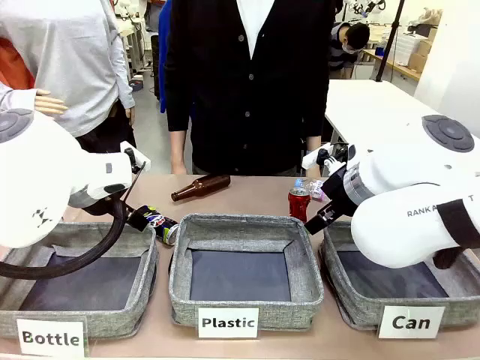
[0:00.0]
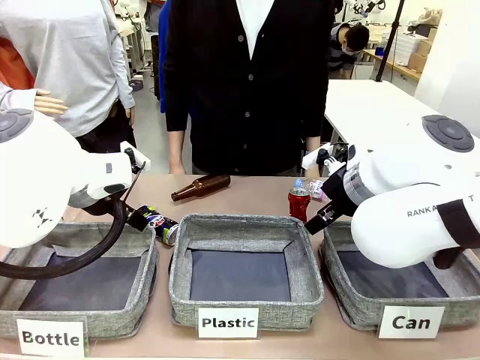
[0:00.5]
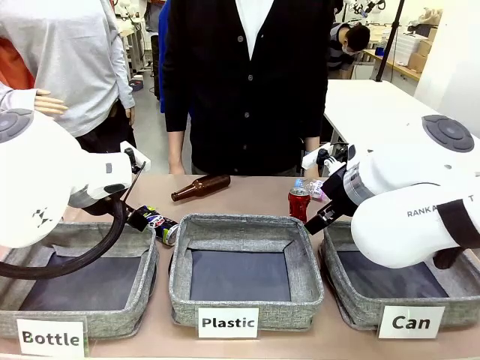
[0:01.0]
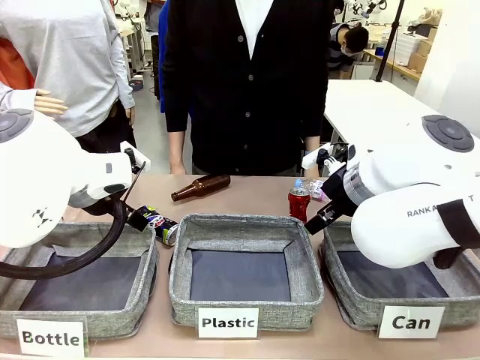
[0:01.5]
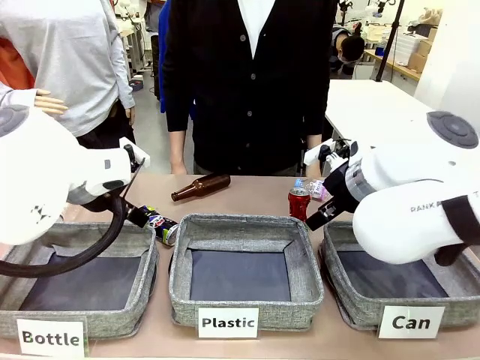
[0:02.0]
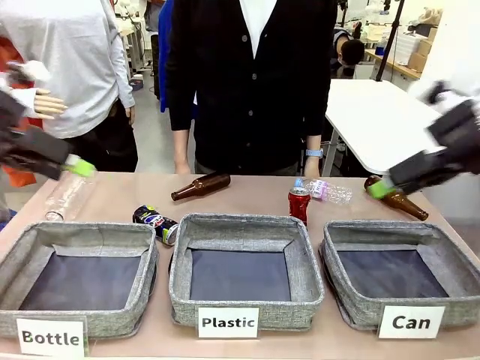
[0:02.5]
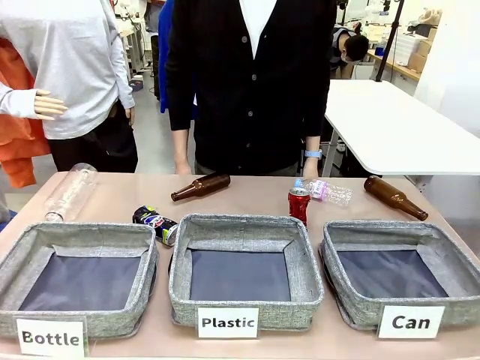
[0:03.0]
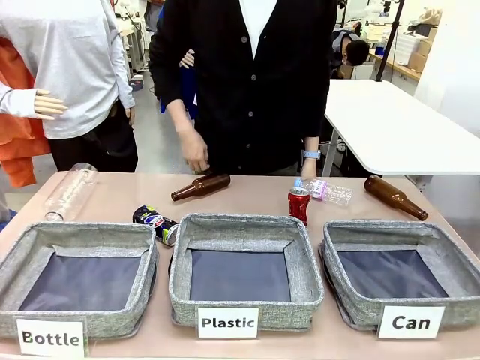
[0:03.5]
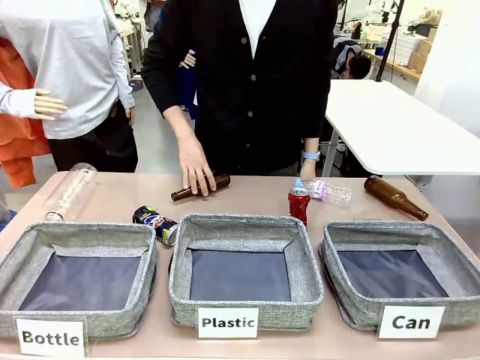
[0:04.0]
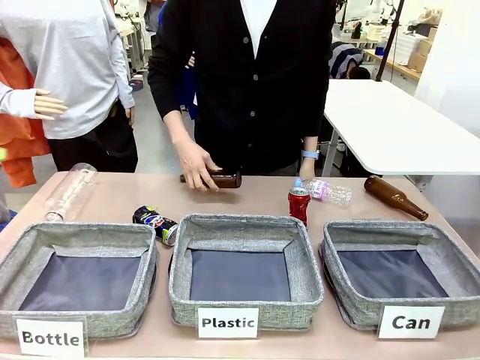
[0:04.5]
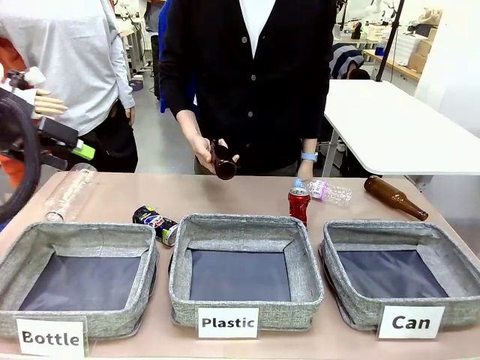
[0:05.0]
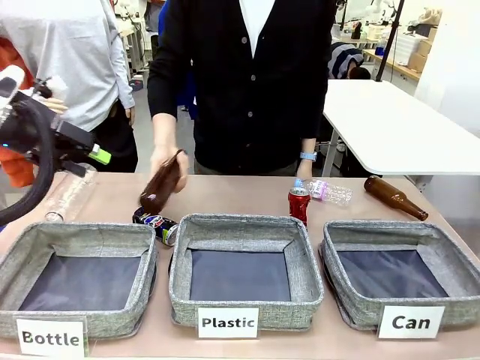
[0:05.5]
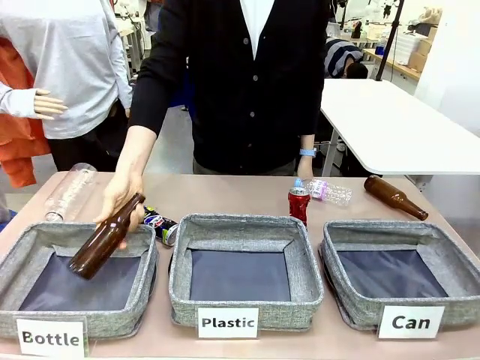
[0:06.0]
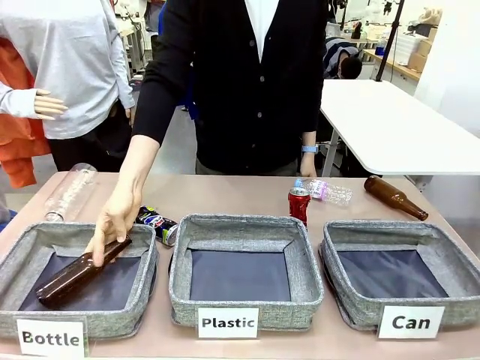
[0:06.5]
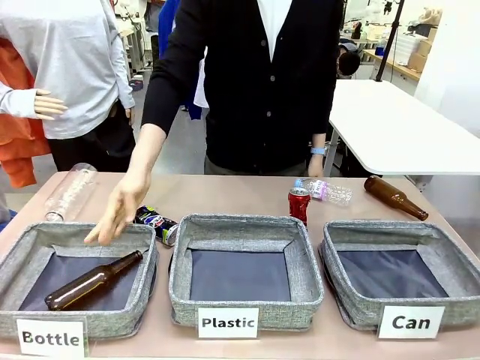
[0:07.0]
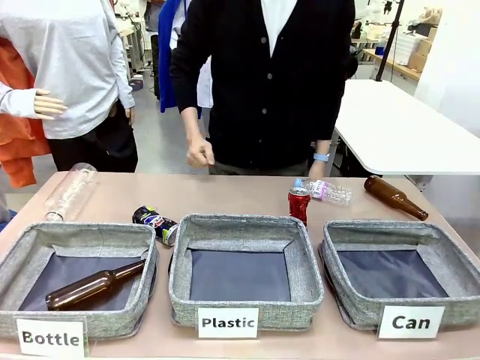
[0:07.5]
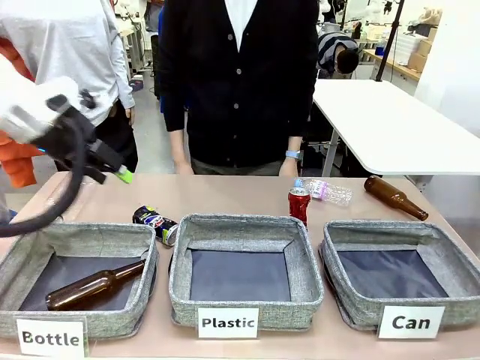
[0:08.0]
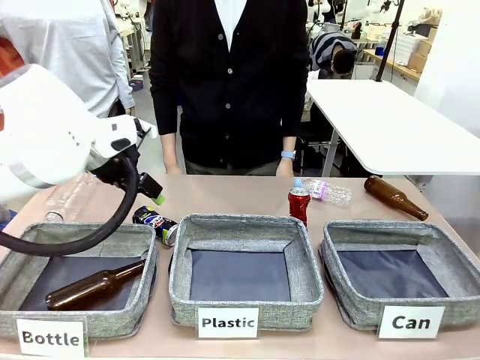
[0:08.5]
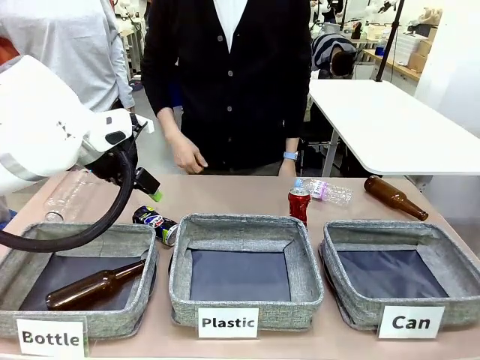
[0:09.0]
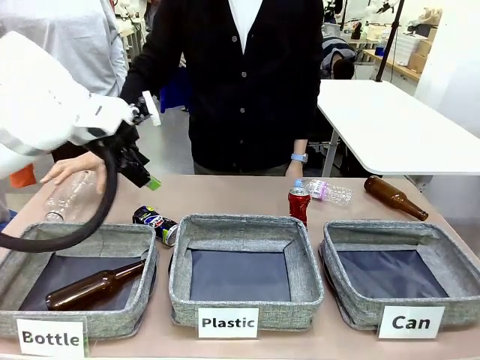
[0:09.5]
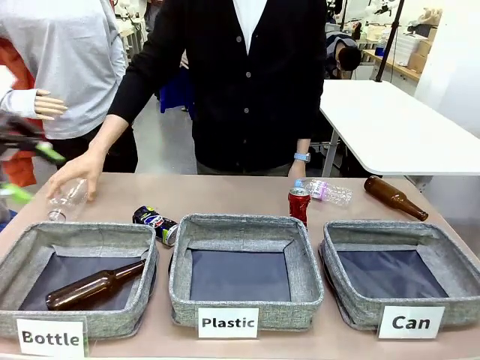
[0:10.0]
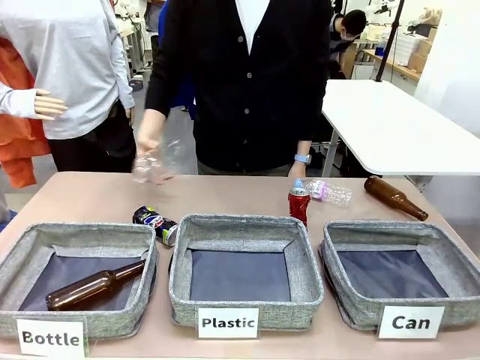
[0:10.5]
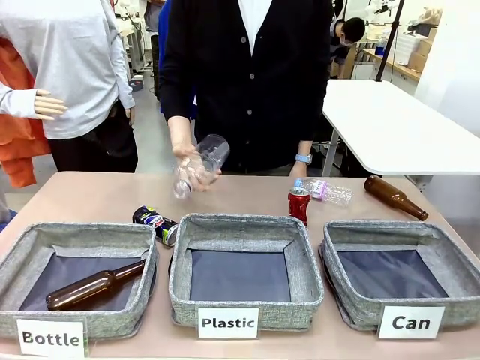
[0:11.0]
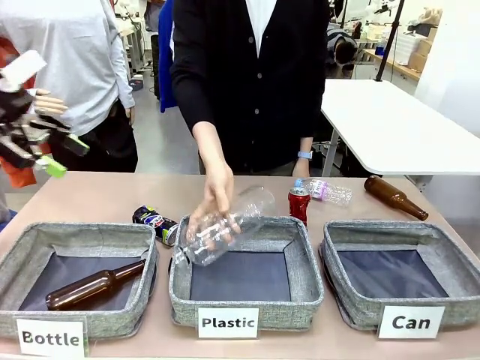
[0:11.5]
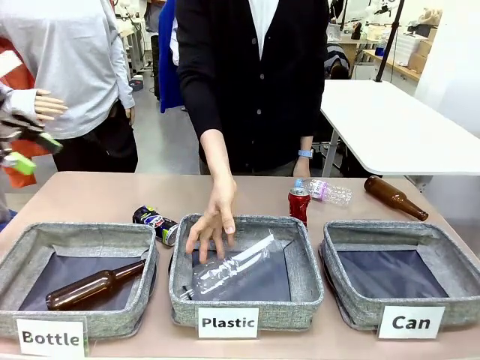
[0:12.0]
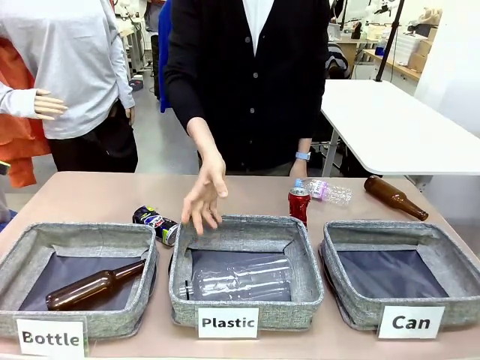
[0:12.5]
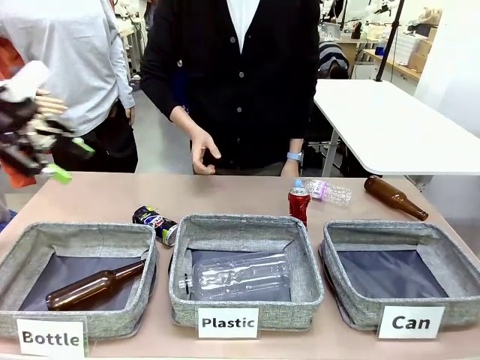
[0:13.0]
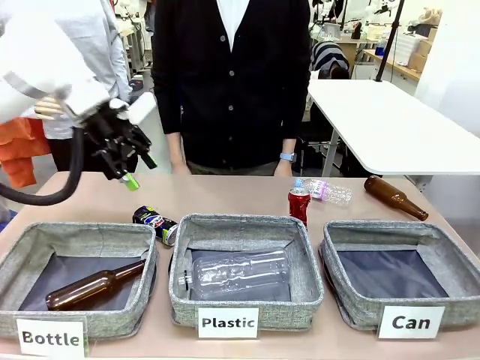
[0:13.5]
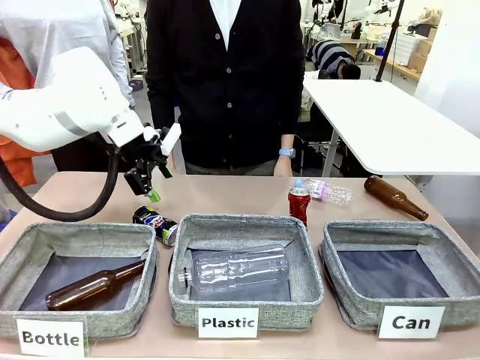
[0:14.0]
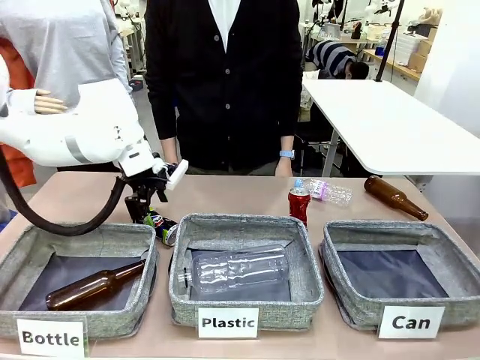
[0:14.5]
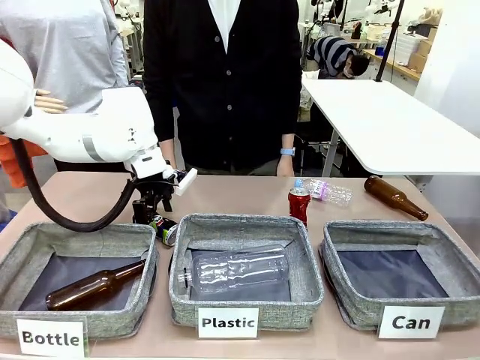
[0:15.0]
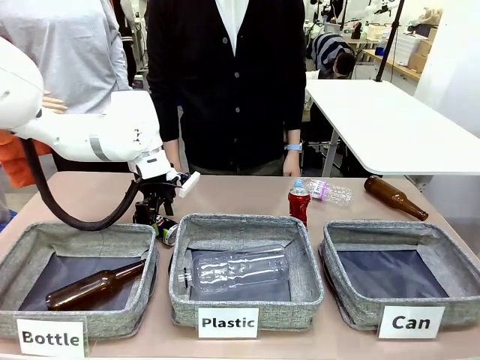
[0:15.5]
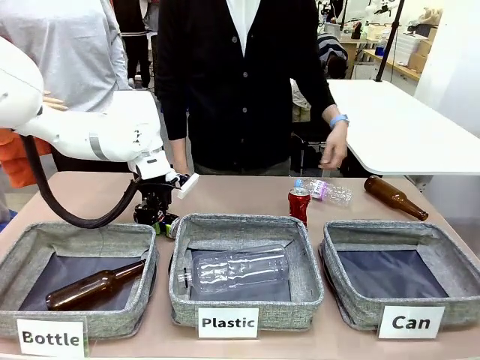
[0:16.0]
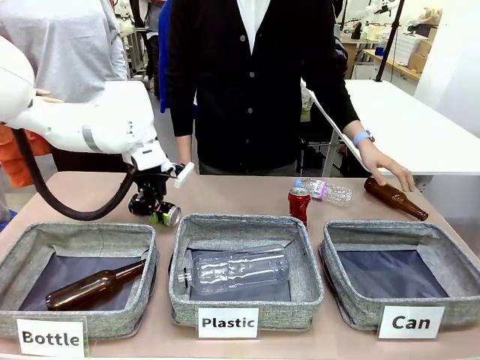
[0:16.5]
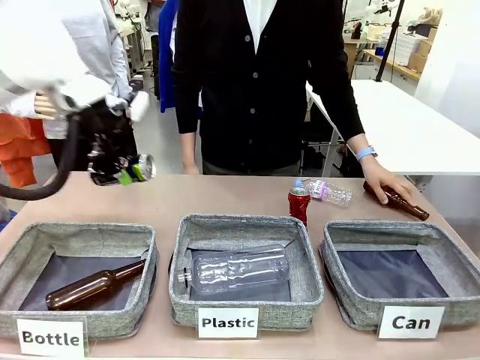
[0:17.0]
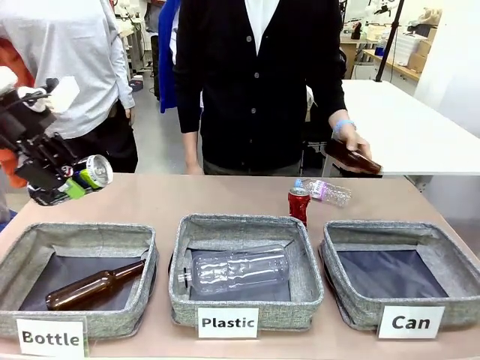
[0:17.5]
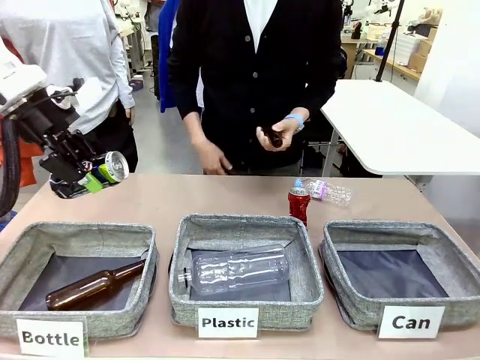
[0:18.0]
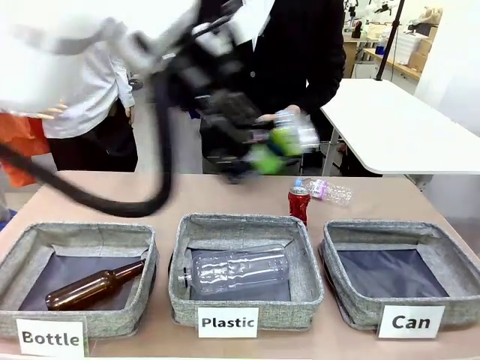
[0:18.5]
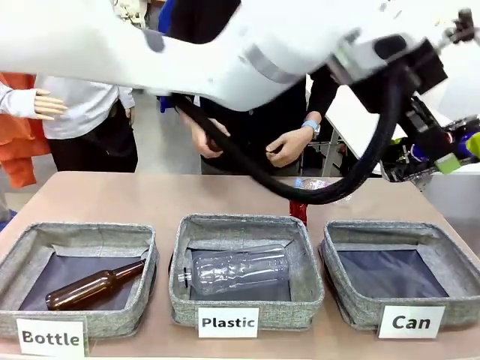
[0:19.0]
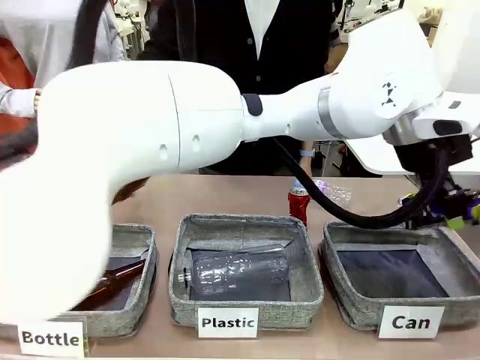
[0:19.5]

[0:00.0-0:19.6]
Task: Sort the can waste into the basket.
Robot: Pick up the can waste from the table and place it in the right Fabric basket.
